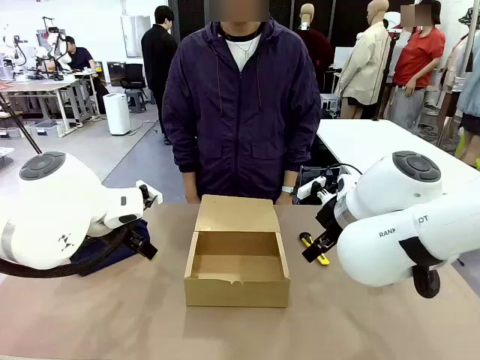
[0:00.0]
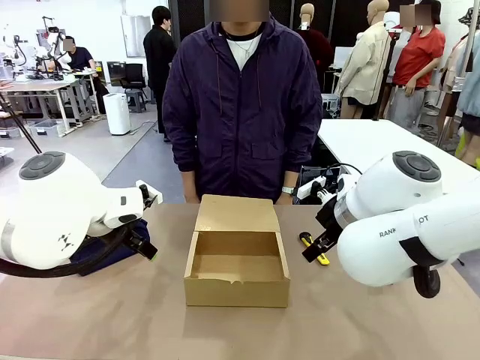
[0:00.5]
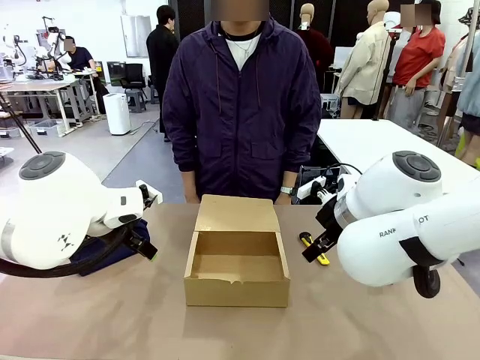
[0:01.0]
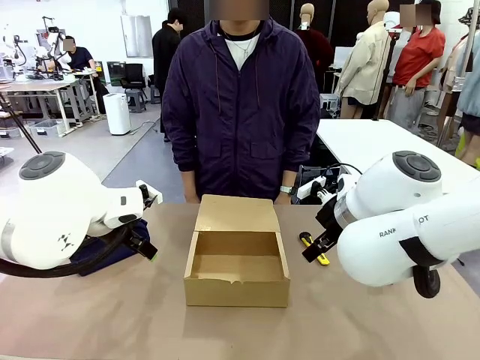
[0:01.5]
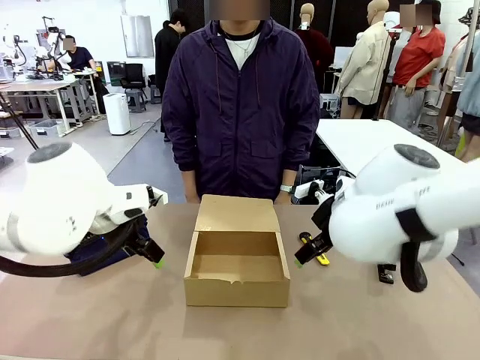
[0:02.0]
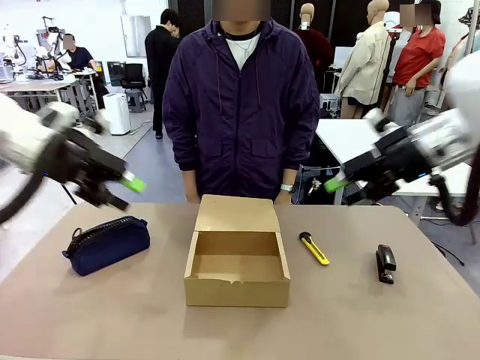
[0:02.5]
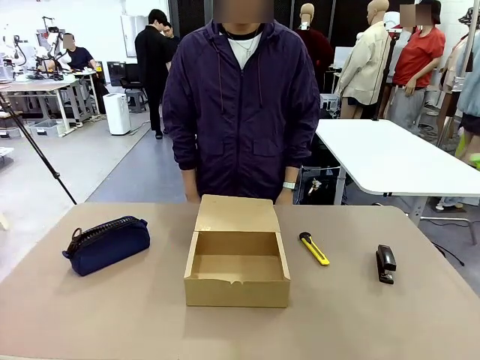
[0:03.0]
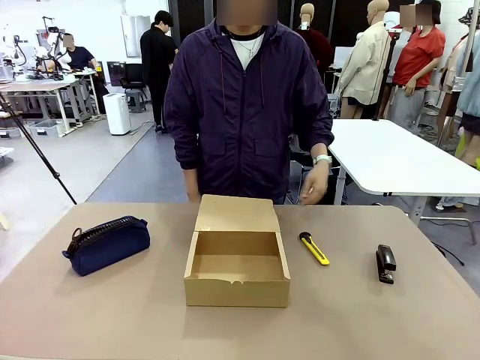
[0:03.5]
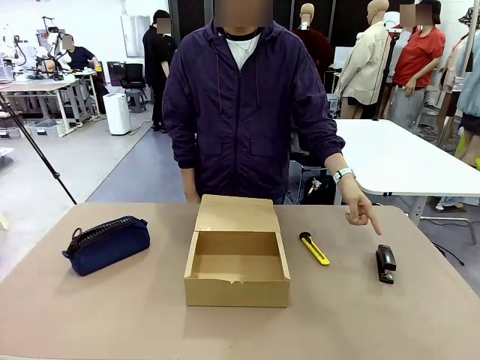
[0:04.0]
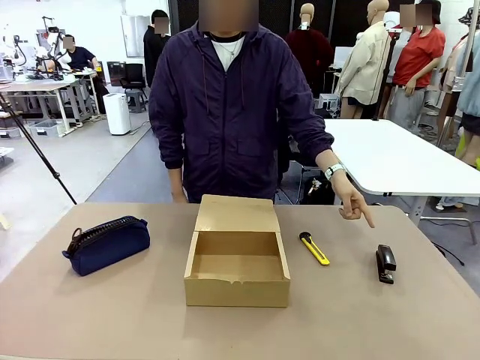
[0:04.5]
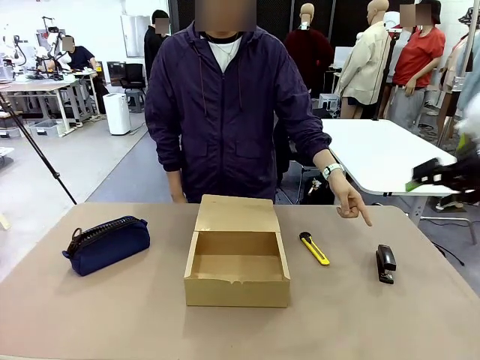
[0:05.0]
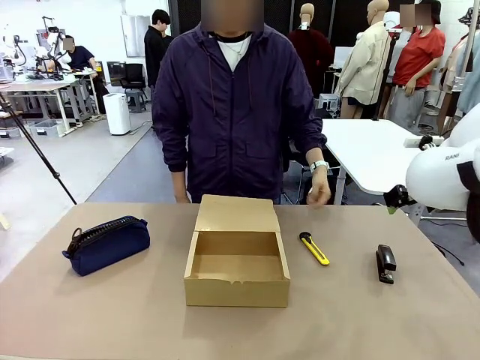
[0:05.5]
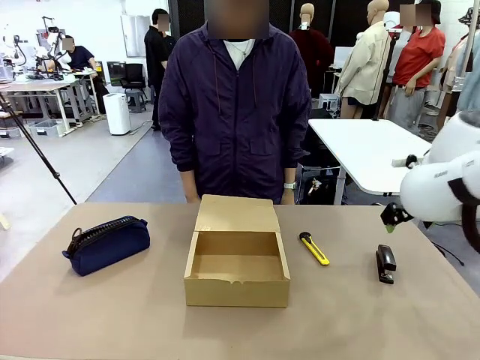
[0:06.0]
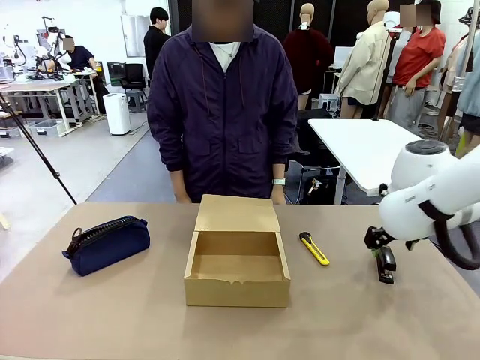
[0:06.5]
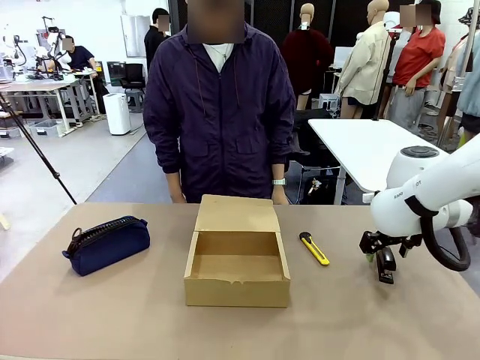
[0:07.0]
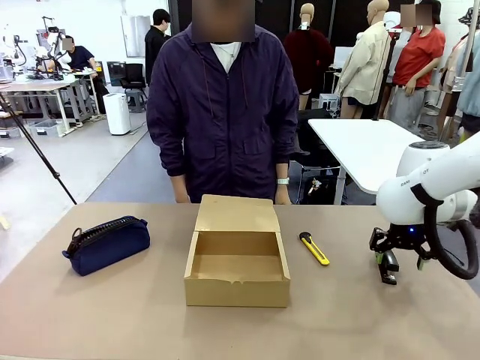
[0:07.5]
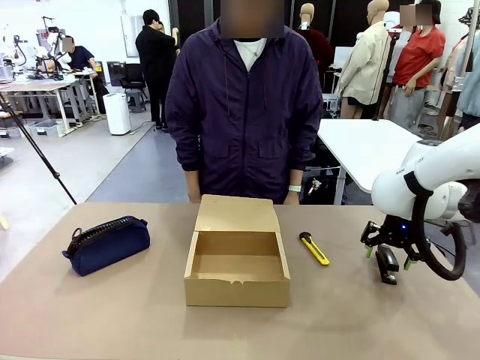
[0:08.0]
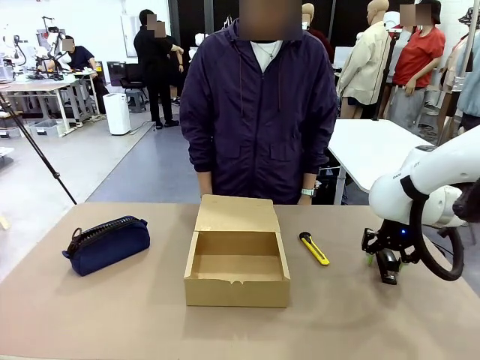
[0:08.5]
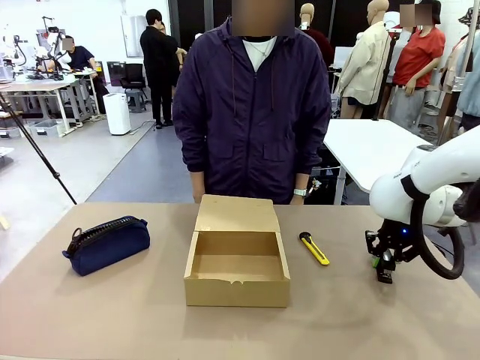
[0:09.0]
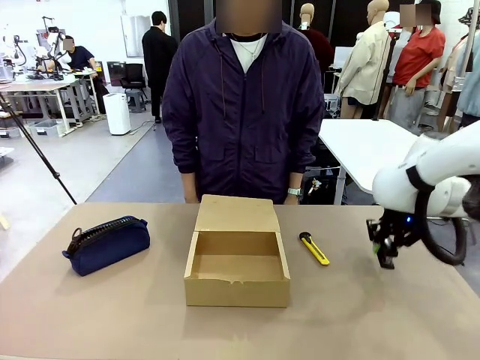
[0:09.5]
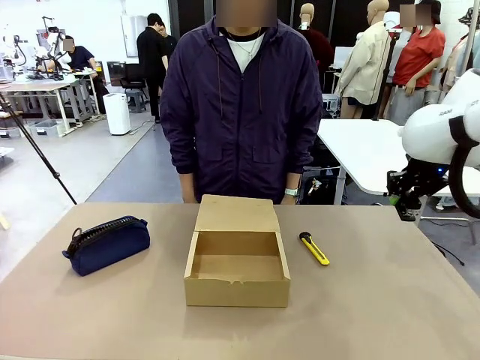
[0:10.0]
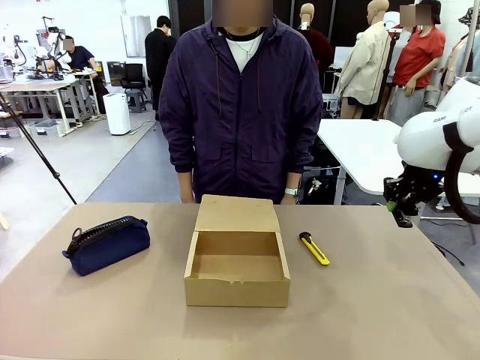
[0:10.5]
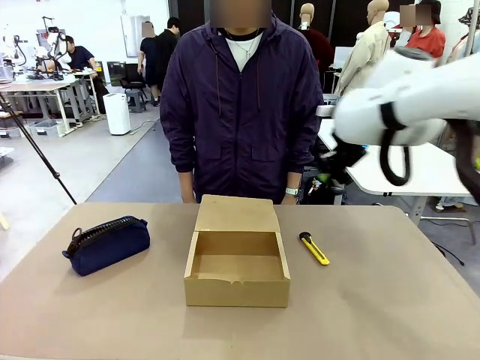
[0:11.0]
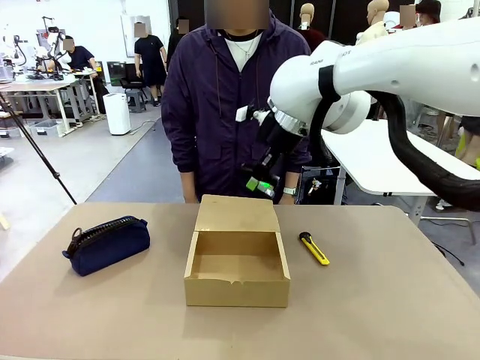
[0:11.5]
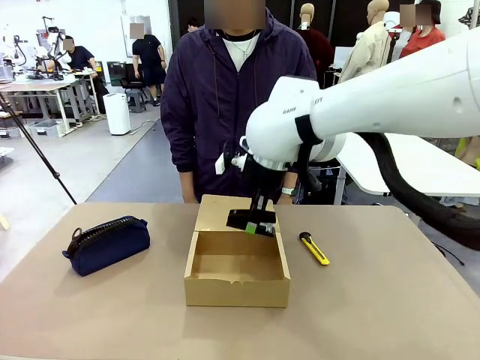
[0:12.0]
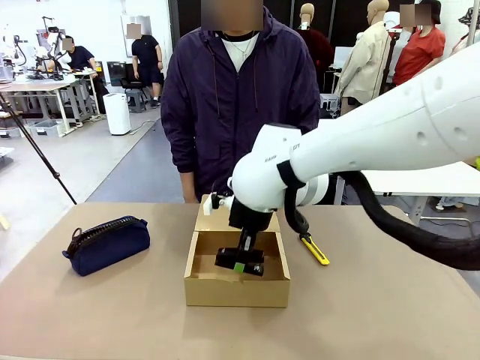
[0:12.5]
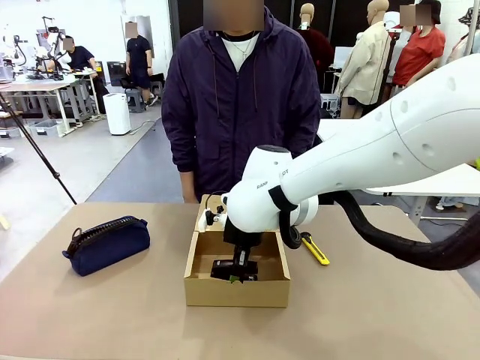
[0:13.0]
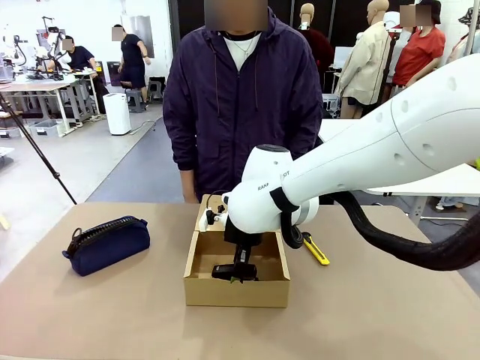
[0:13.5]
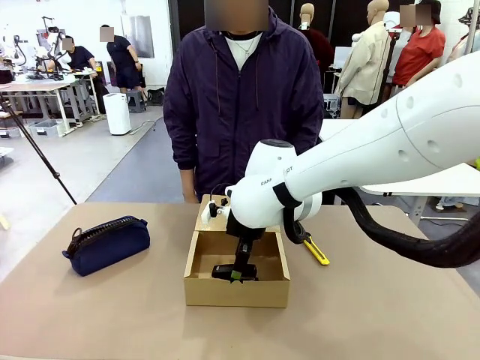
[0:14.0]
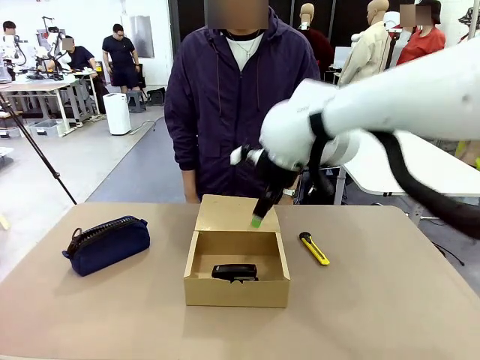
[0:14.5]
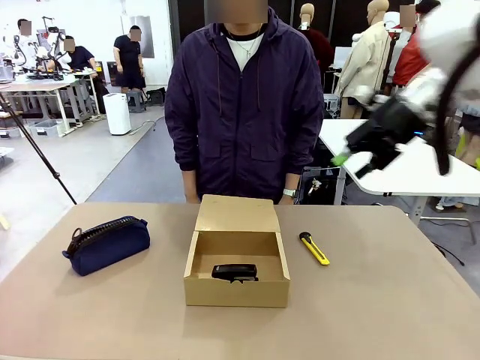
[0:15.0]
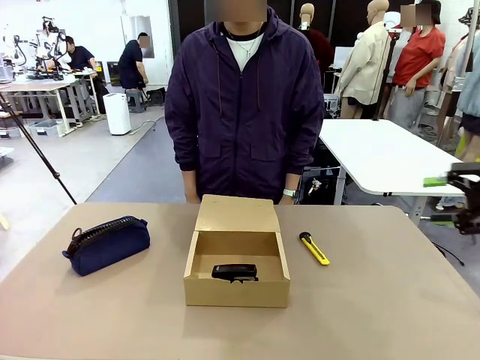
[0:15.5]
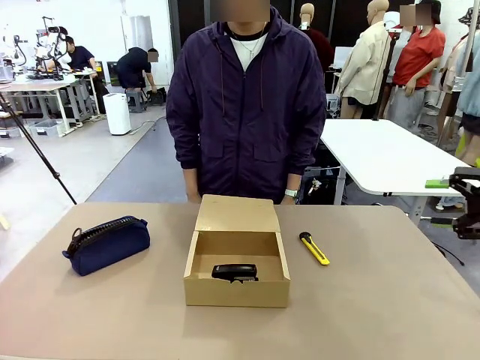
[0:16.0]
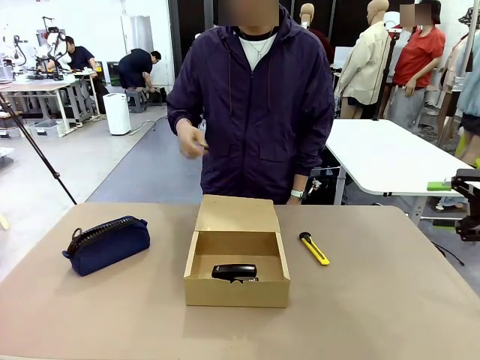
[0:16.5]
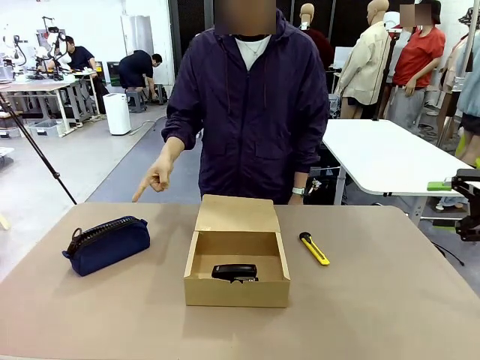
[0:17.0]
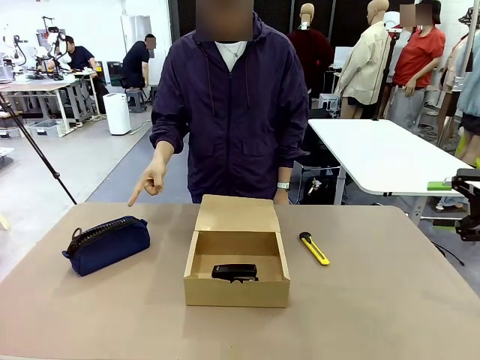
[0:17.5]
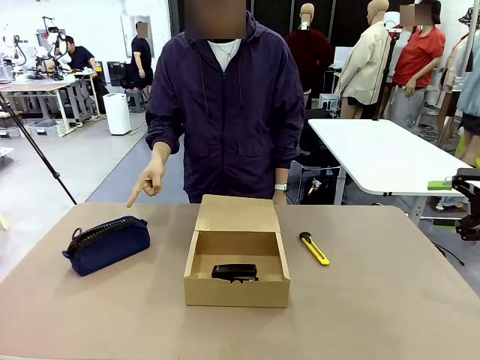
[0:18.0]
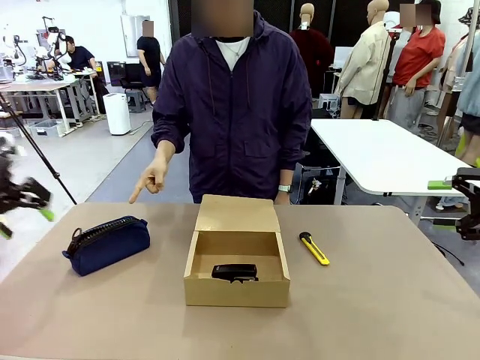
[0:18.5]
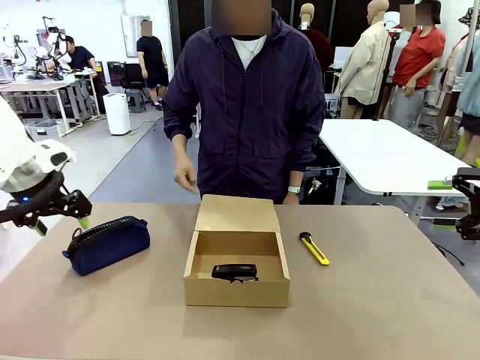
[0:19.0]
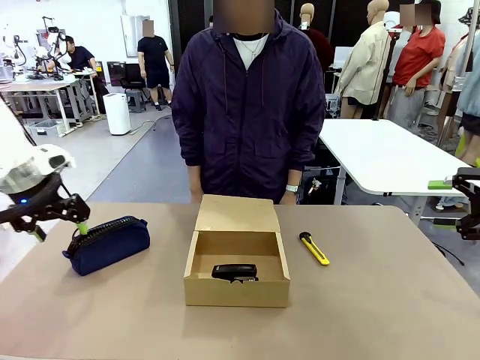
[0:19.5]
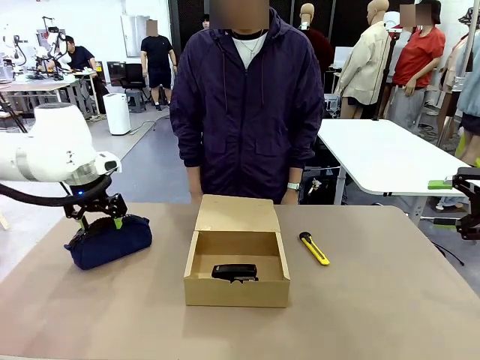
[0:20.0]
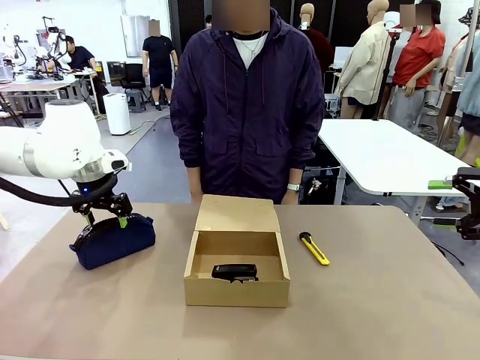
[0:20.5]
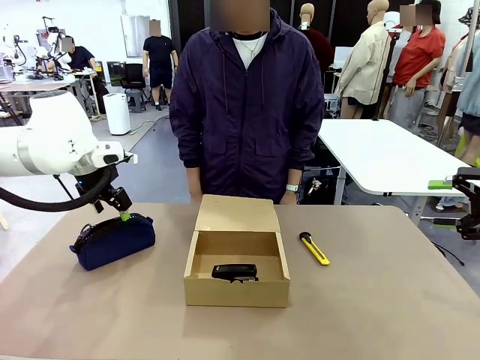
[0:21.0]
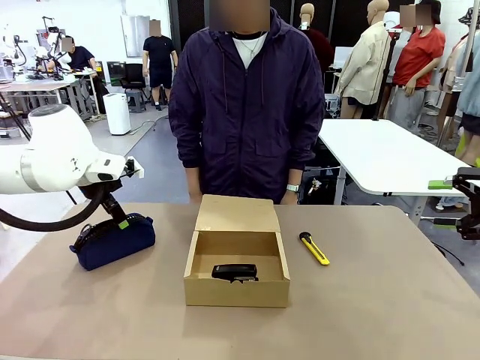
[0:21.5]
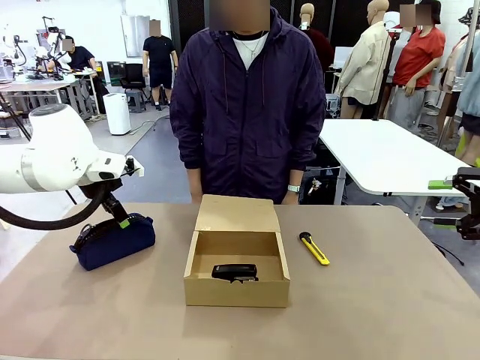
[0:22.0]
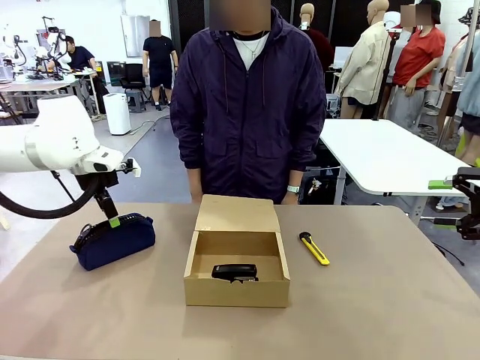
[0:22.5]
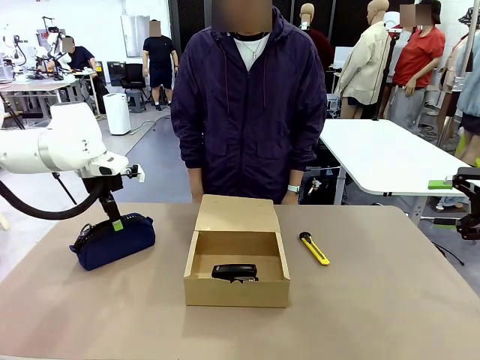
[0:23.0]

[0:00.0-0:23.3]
Task: Pack the items into the box.
Robot: Pick up the item indicated by the person and place it inside the Mailer Box.
Person: Point at one item on the table (excluding the box).
